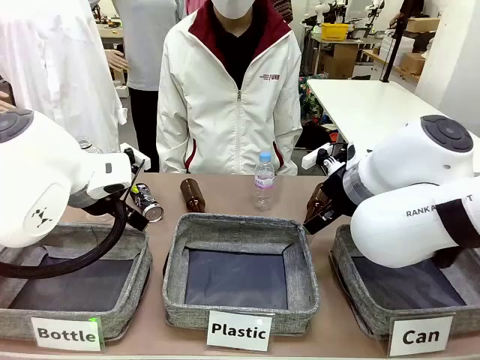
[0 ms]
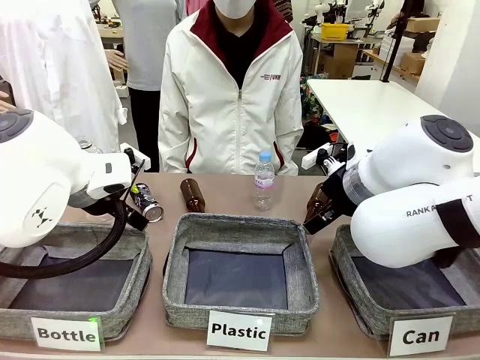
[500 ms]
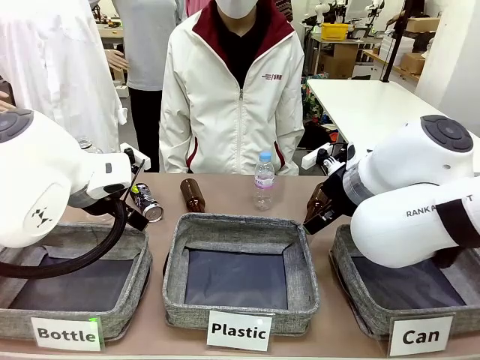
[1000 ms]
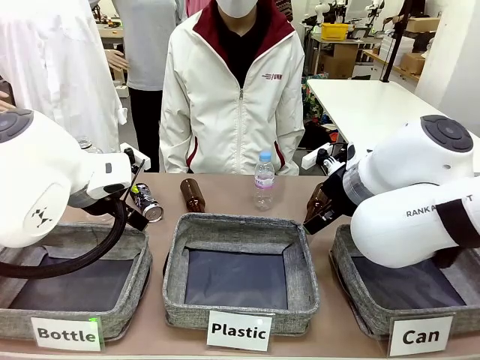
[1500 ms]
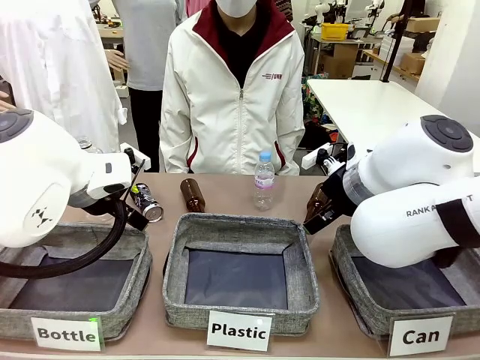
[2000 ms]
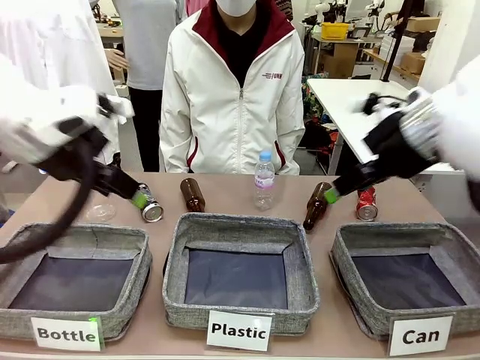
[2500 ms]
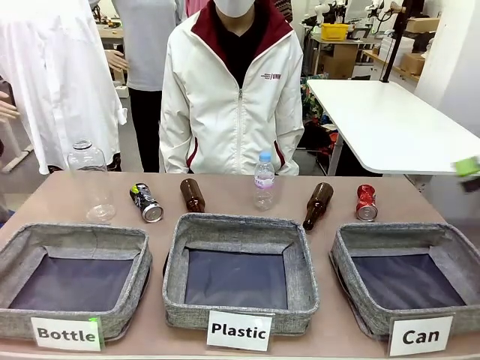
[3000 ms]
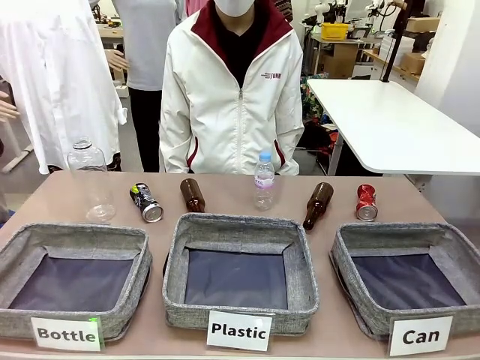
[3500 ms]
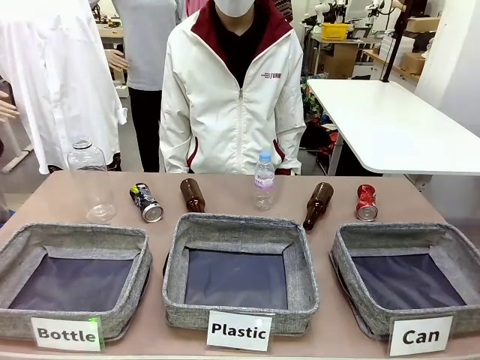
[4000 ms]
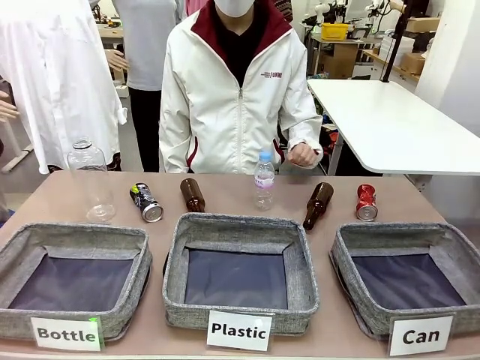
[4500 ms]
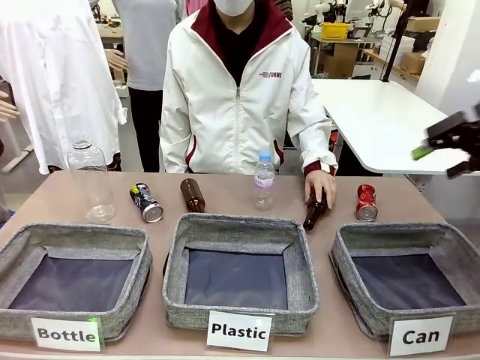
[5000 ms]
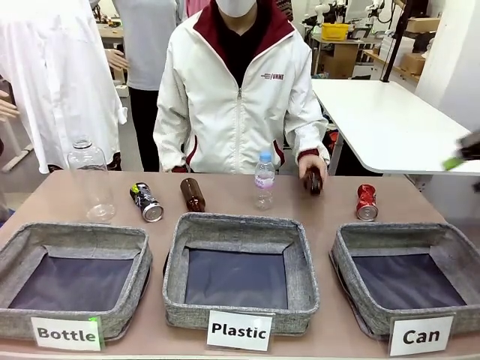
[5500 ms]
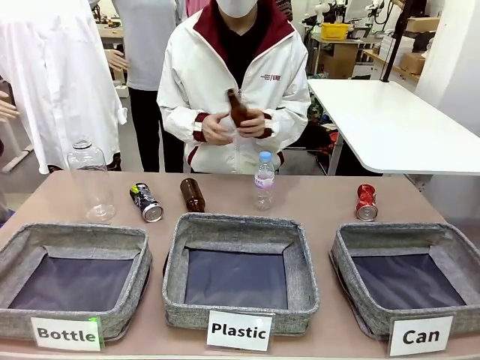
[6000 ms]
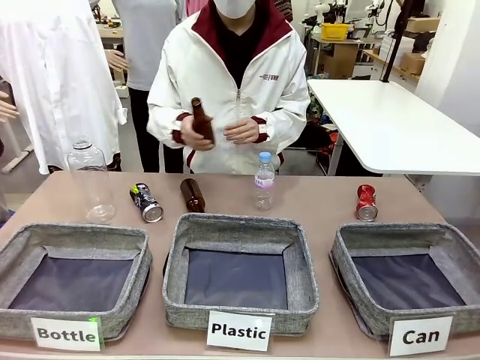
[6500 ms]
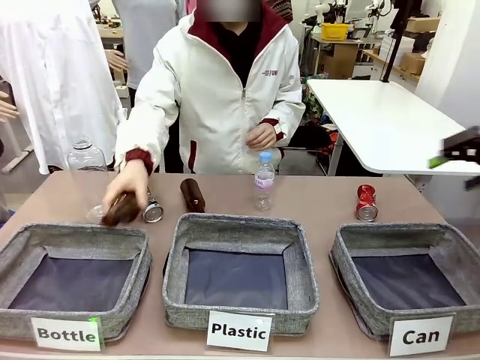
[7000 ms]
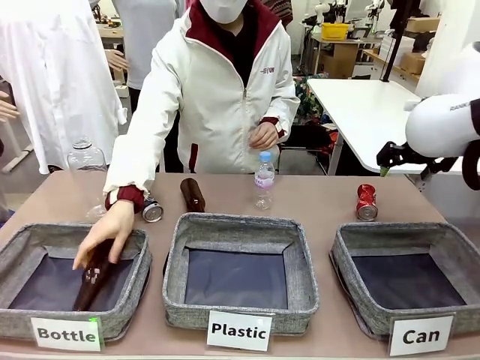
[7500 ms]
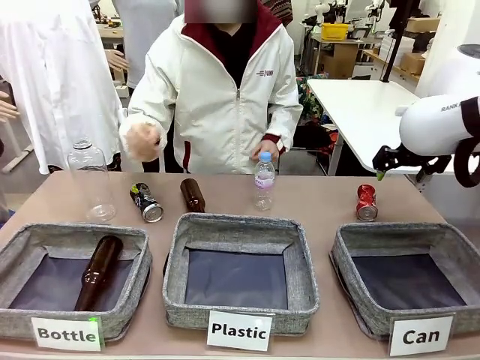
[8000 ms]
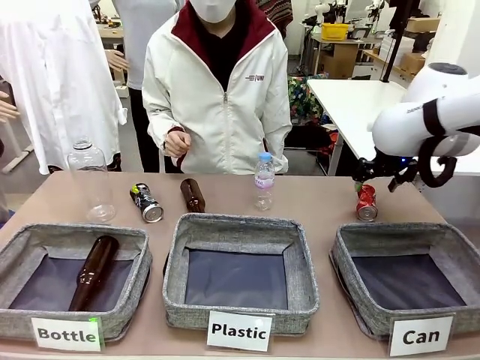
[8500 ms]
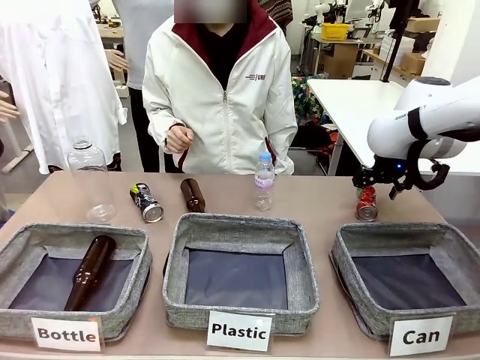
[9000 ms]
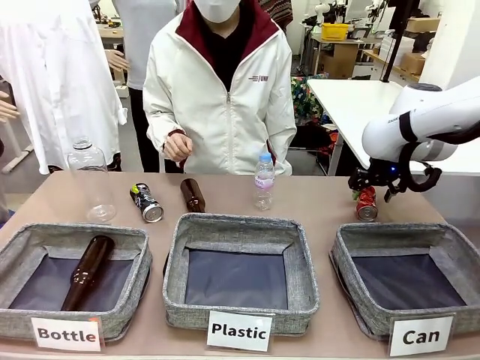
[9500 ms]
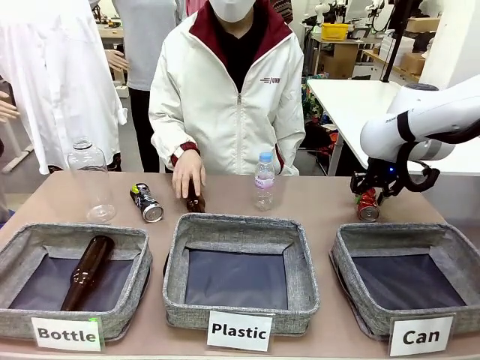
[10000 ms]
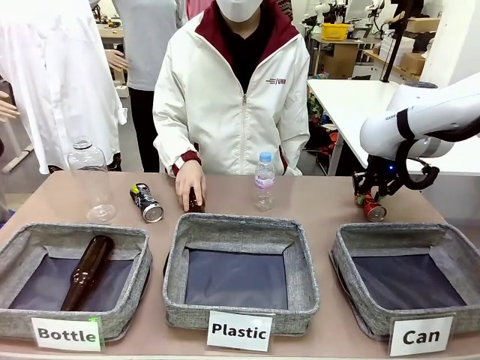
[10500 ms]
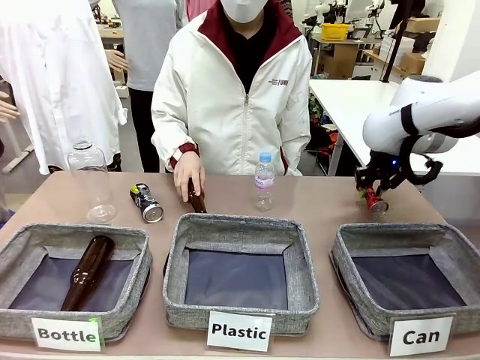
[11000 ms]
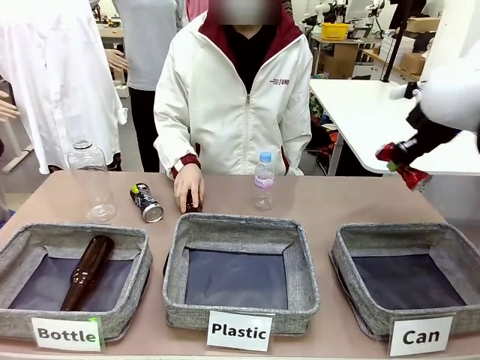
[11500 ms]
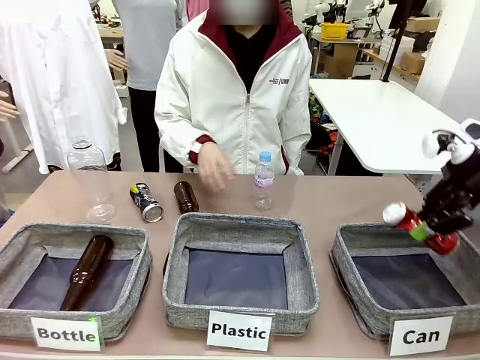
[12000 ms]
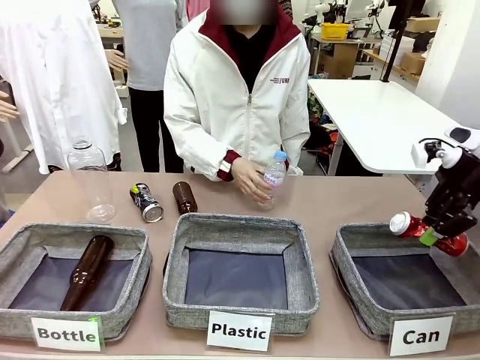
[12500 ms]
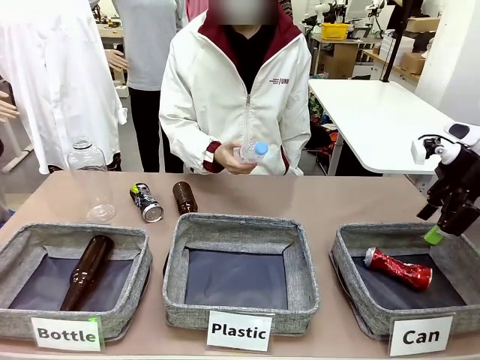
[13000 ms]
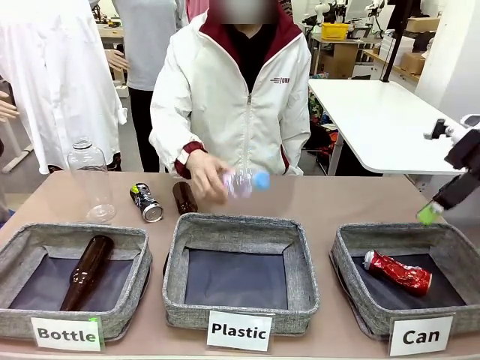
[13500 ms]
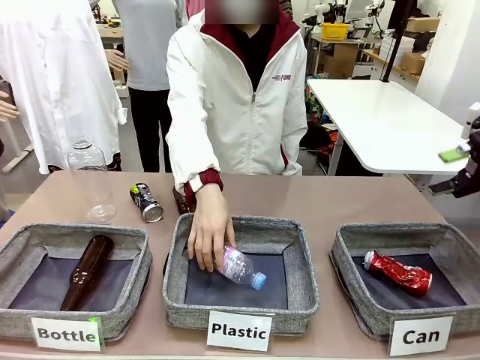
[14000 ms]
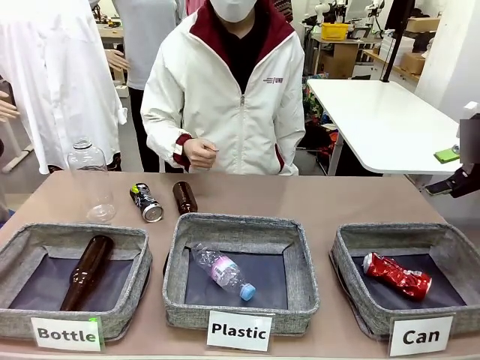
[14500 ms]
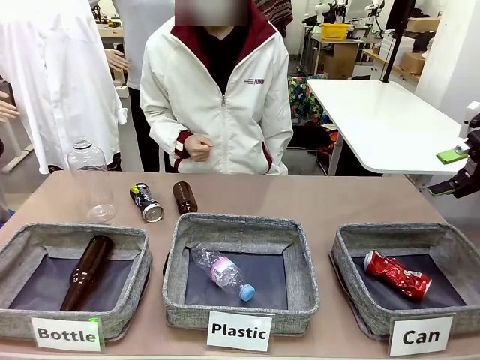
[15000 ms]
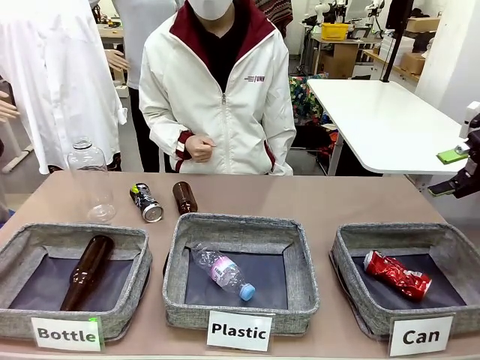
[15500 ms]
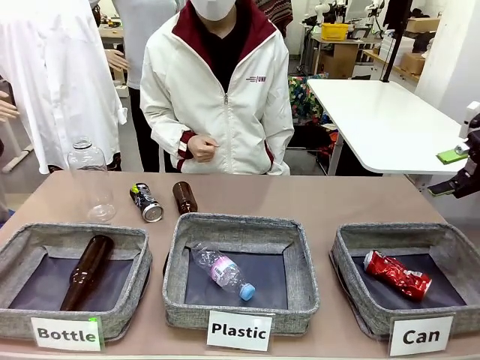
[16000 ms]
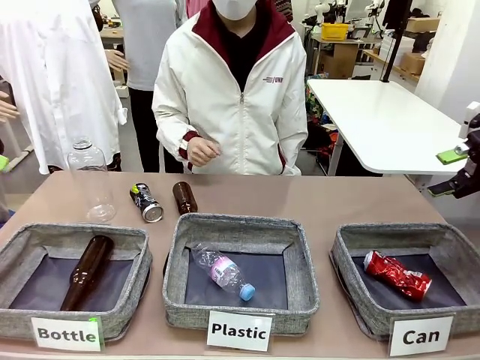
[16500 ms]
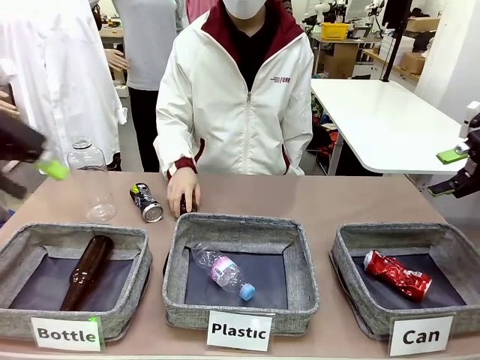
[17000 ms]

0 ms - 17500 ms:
Task: Sort the can waste into the basket.
Robot: Pick up the can waste from the table and place it in the right Fabric basket.

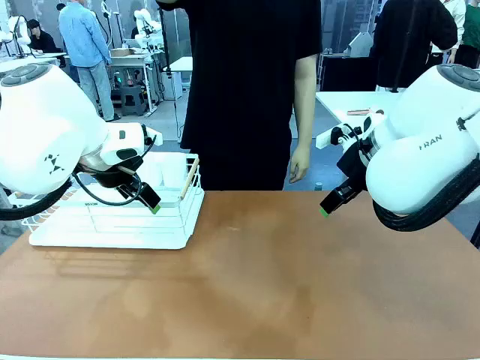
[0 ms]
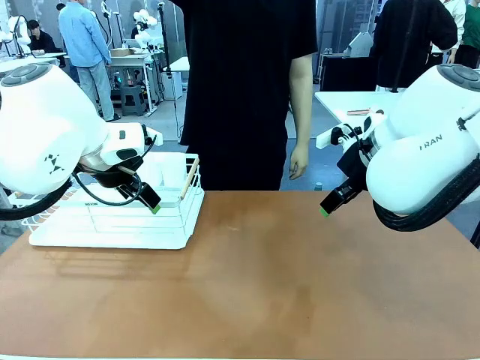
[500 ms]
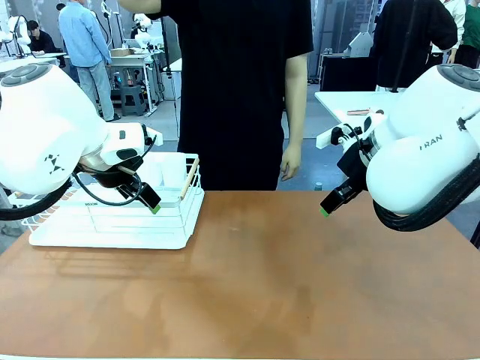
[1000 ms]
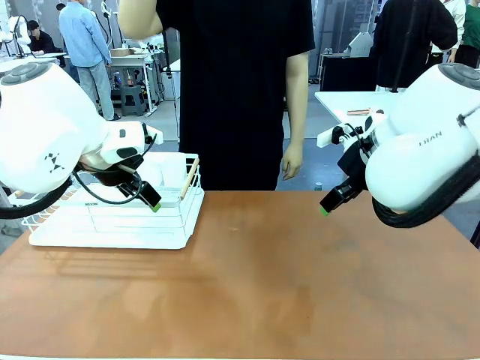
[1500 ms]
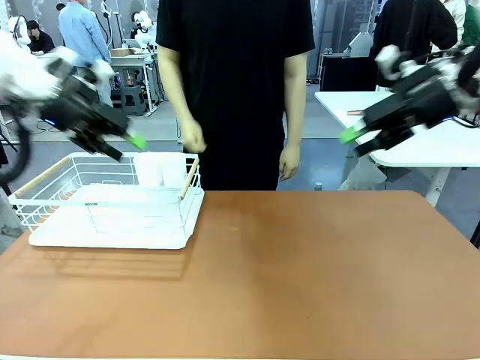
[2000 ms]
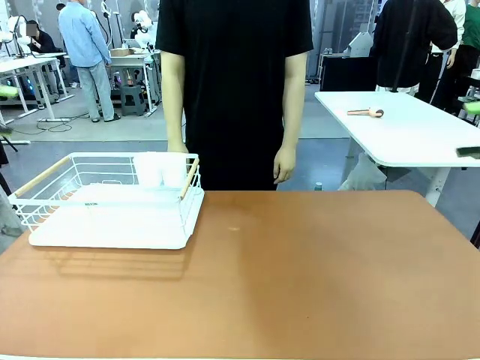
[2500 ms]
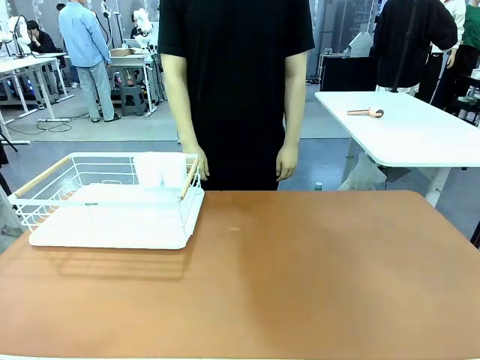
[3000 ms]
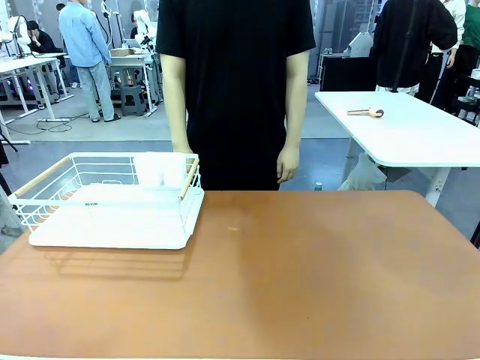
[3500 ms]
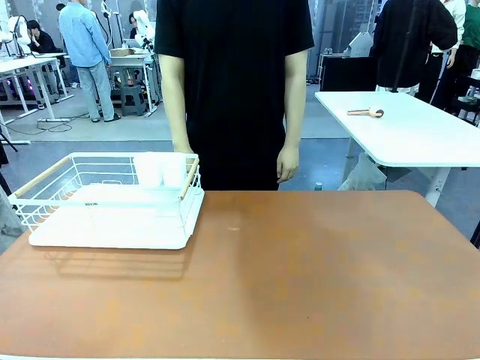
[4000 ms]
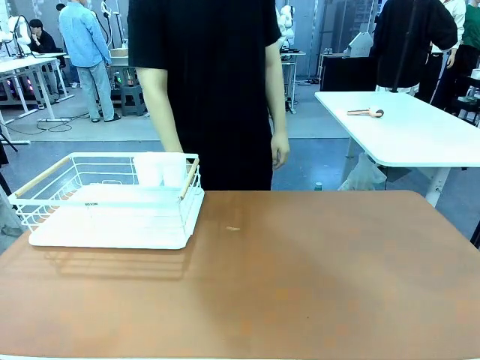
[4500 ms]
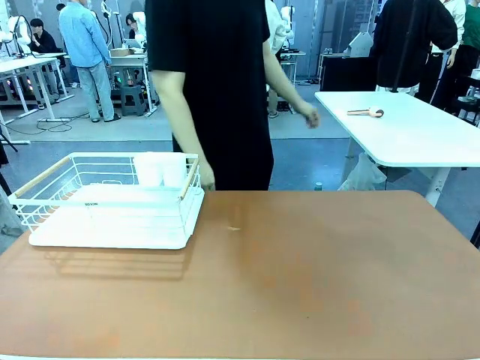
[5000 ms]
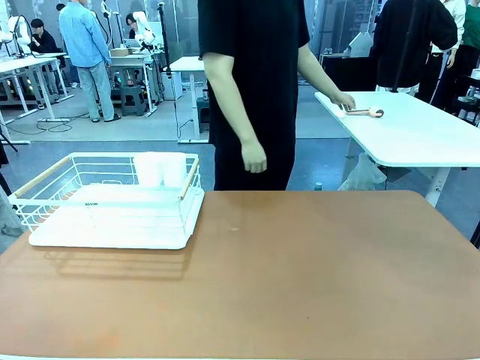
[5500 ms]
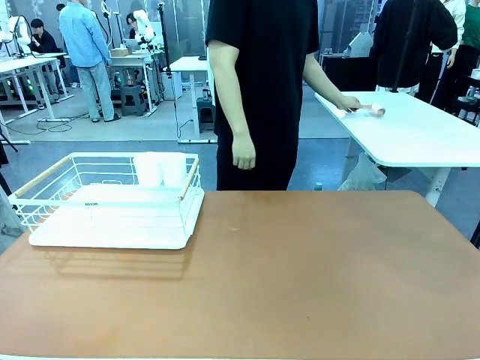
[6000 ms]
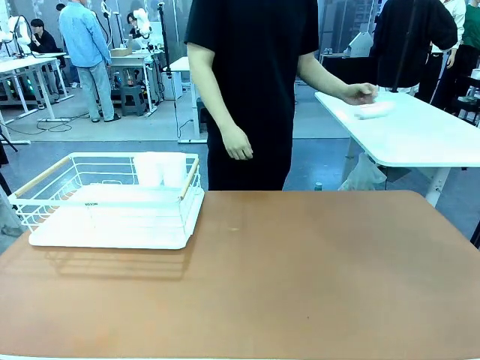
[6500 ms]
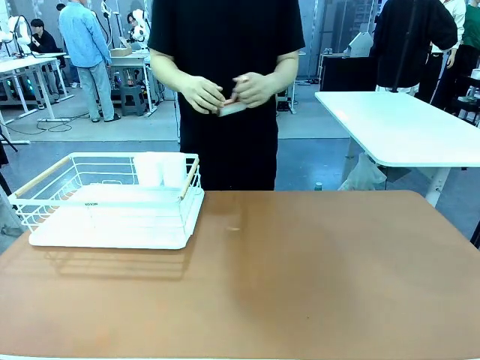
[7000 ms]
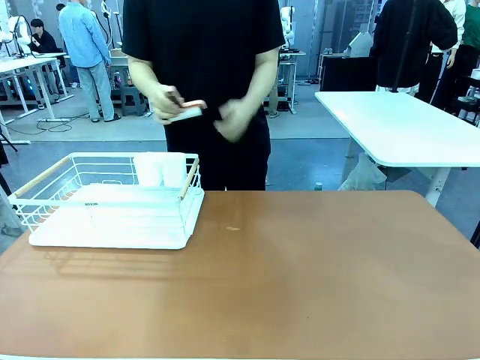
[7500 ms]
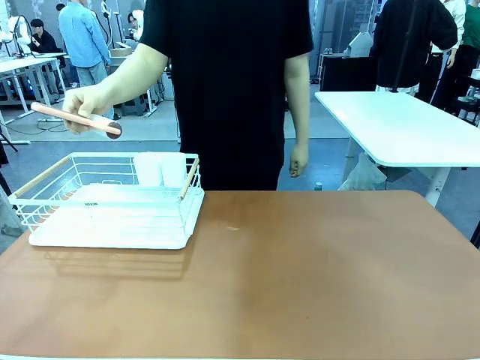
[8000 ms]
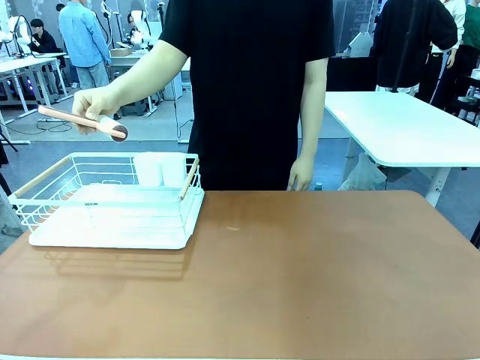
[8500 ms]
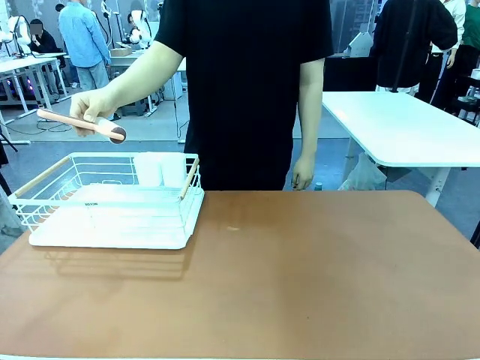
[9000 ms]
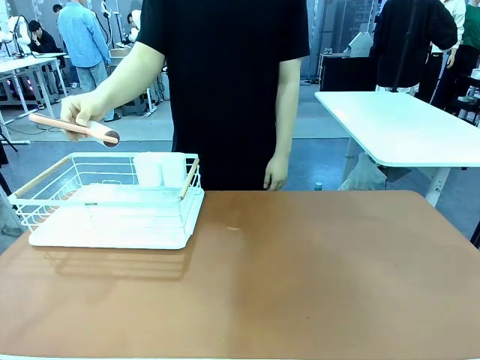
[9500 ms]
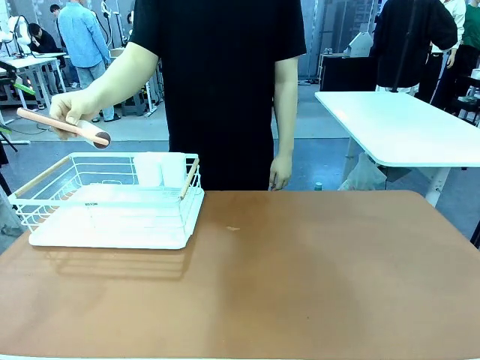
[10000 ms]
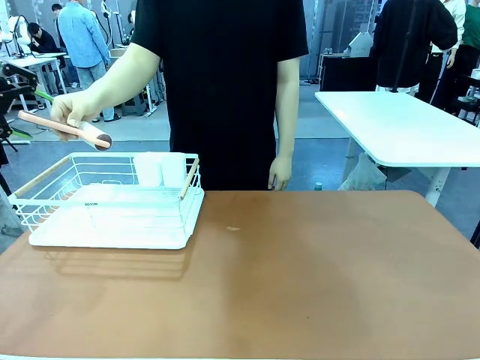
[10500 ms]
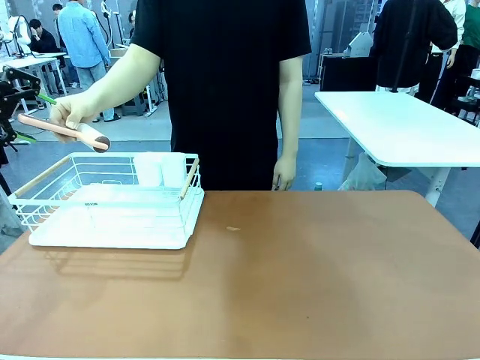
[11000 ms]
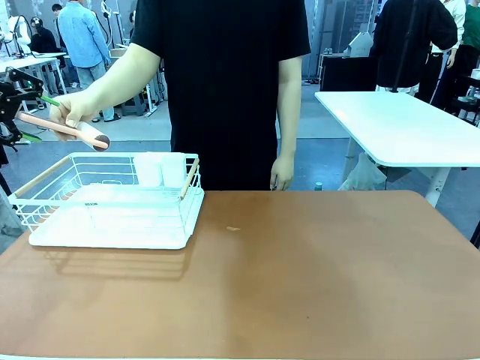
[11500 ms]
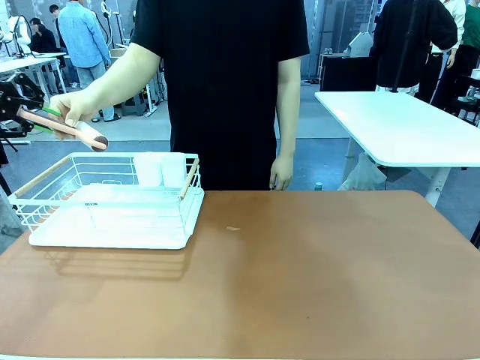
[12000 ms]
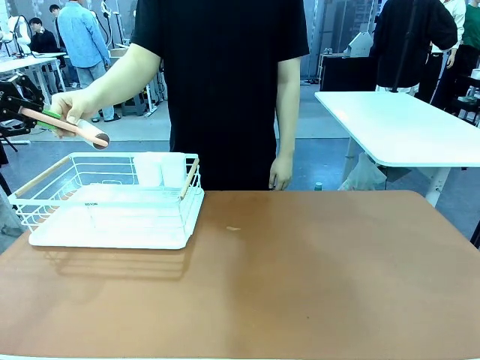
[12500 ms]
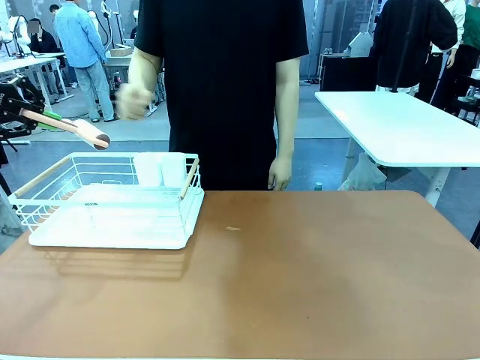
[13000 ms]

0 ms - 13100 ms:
Task: Clean the table.
Robot: Pick up the Lint Roller when the human hands it over.
Person: Hand the Lint Roller to the robot so it can easily pick it up. Lift the Dish drying rack.
